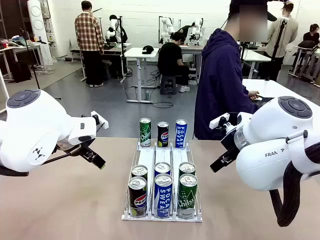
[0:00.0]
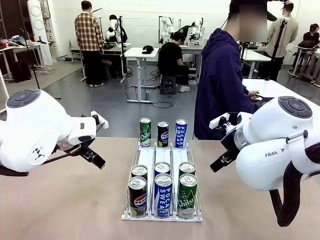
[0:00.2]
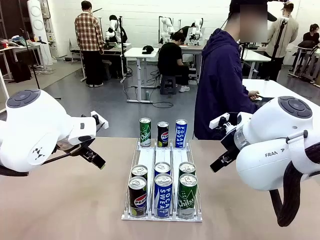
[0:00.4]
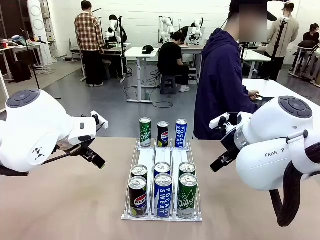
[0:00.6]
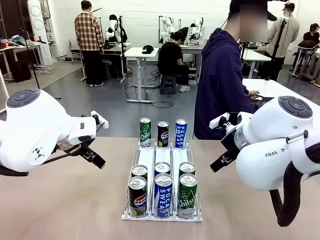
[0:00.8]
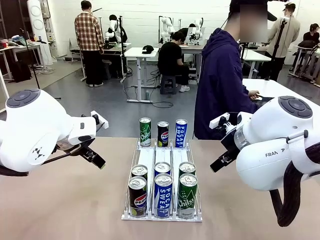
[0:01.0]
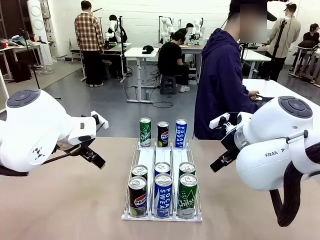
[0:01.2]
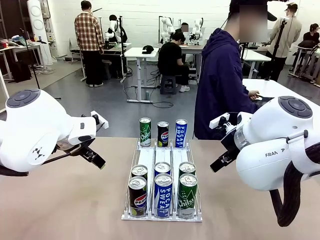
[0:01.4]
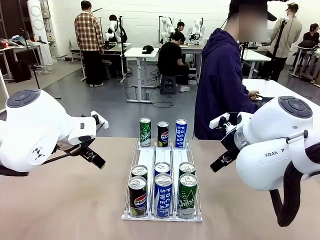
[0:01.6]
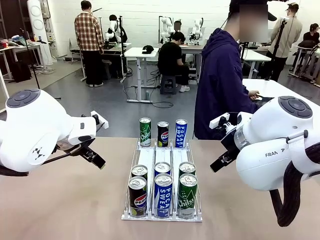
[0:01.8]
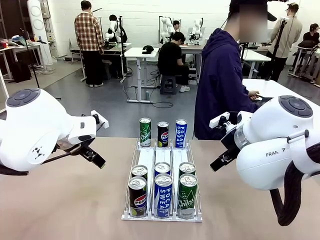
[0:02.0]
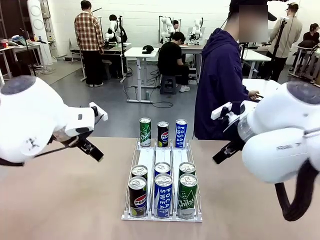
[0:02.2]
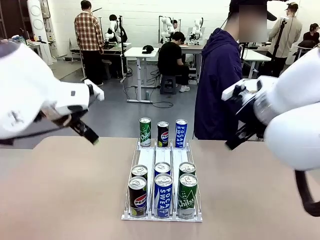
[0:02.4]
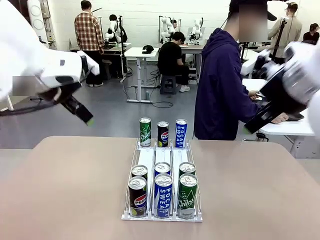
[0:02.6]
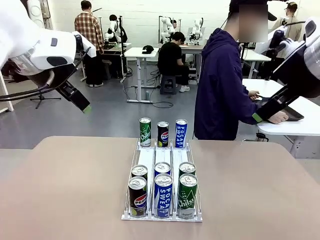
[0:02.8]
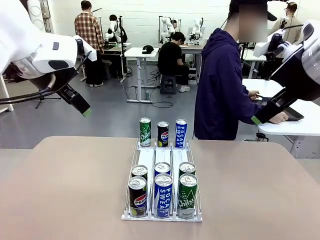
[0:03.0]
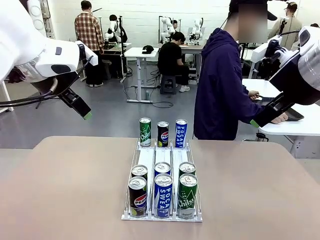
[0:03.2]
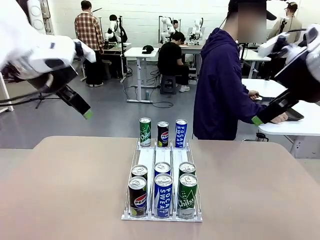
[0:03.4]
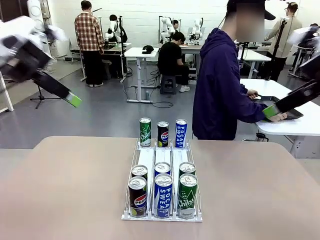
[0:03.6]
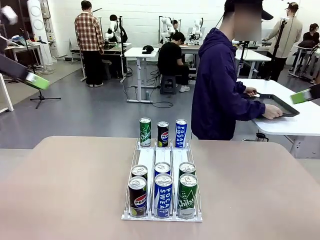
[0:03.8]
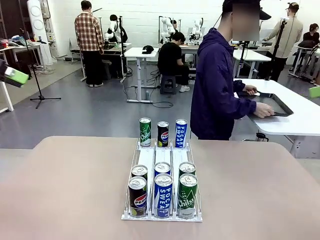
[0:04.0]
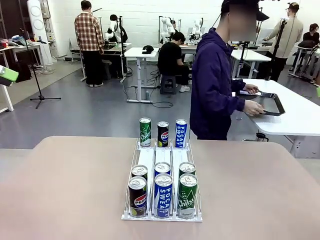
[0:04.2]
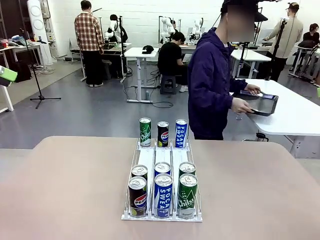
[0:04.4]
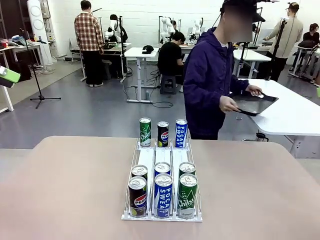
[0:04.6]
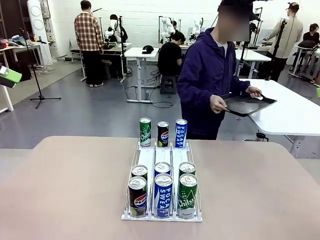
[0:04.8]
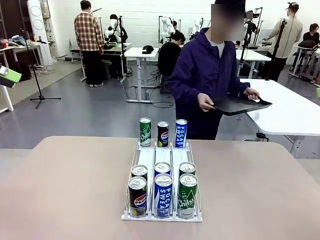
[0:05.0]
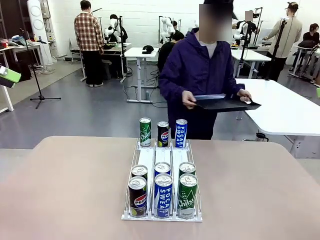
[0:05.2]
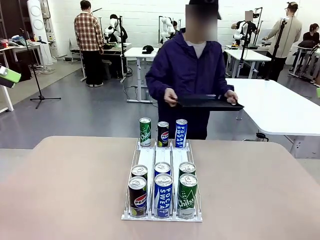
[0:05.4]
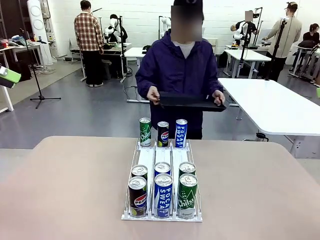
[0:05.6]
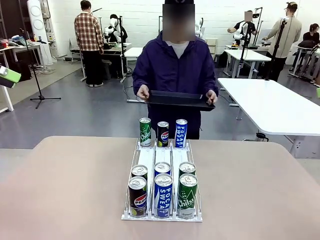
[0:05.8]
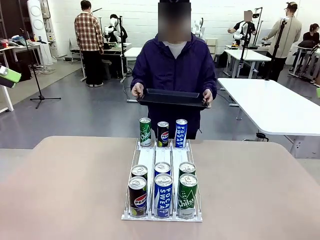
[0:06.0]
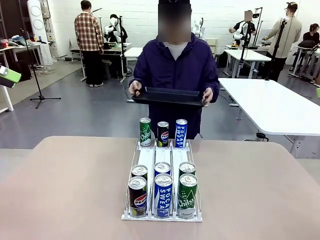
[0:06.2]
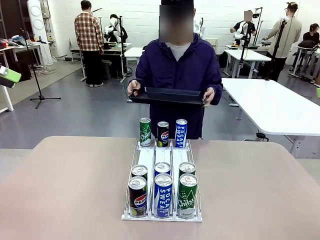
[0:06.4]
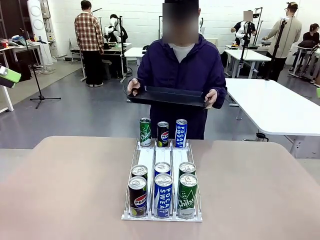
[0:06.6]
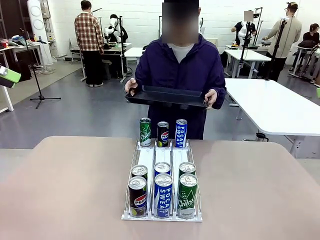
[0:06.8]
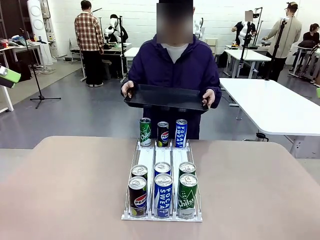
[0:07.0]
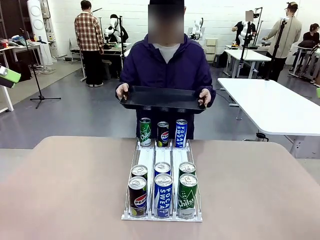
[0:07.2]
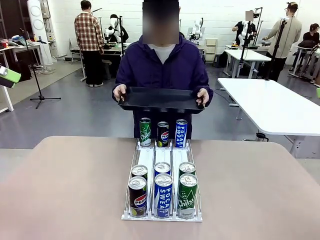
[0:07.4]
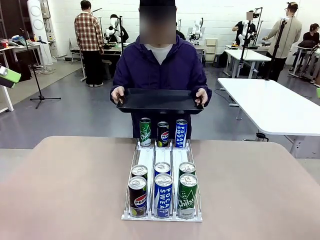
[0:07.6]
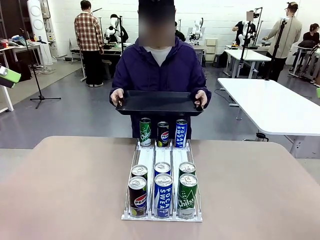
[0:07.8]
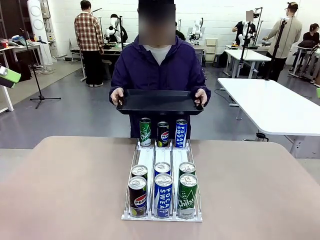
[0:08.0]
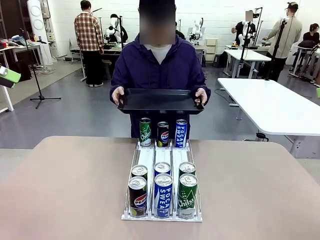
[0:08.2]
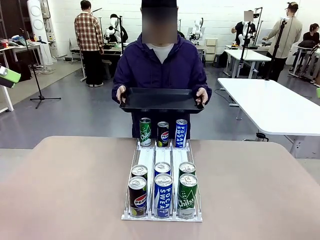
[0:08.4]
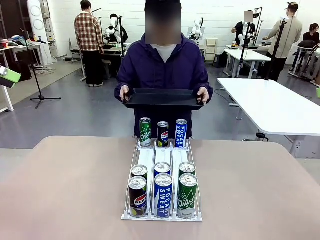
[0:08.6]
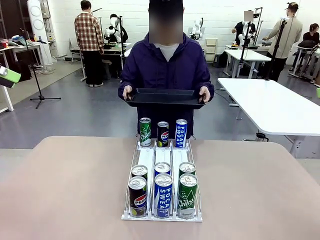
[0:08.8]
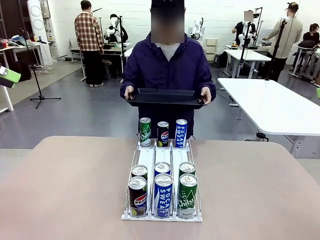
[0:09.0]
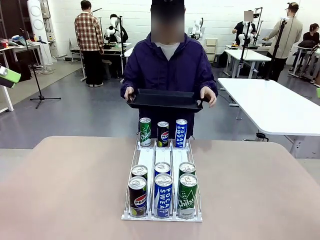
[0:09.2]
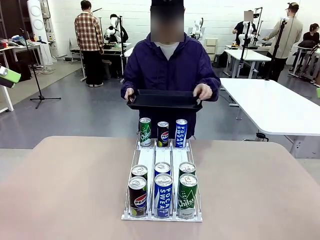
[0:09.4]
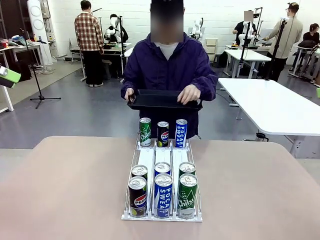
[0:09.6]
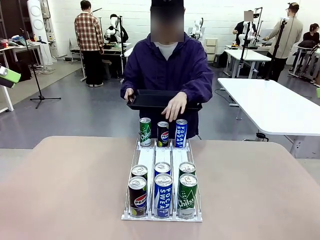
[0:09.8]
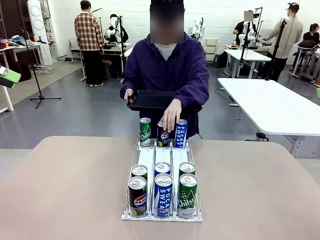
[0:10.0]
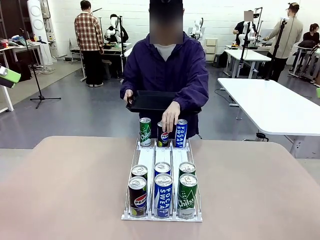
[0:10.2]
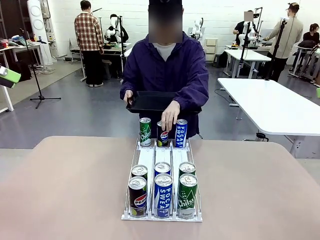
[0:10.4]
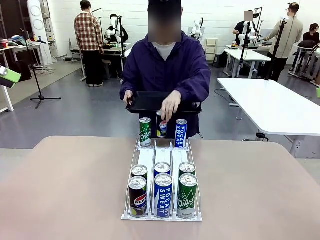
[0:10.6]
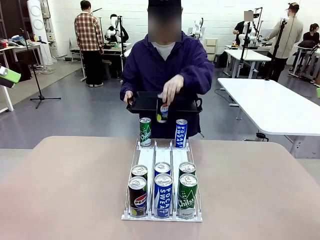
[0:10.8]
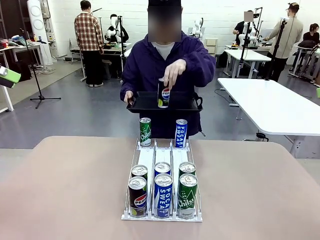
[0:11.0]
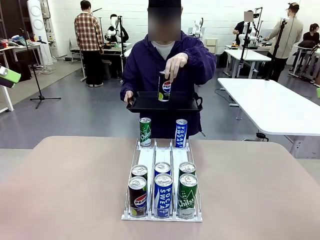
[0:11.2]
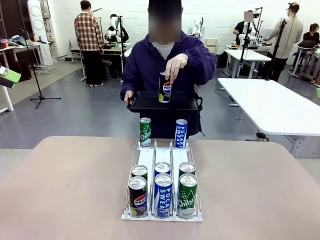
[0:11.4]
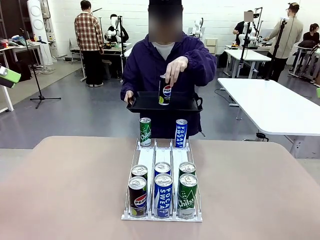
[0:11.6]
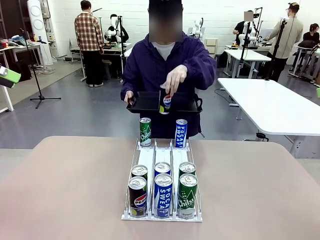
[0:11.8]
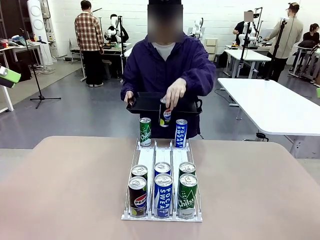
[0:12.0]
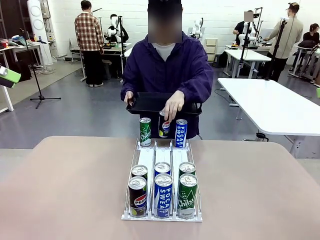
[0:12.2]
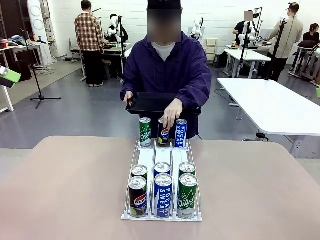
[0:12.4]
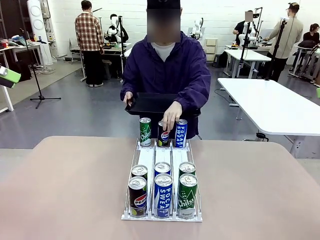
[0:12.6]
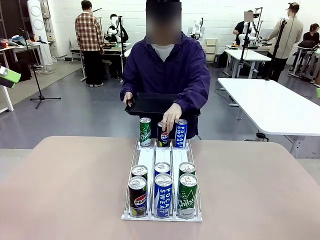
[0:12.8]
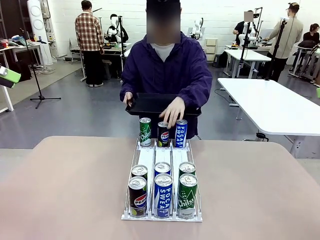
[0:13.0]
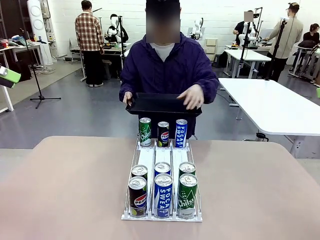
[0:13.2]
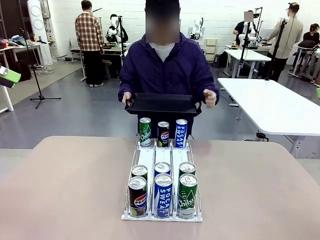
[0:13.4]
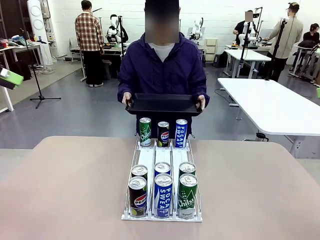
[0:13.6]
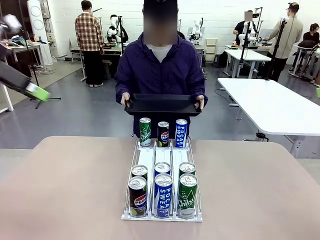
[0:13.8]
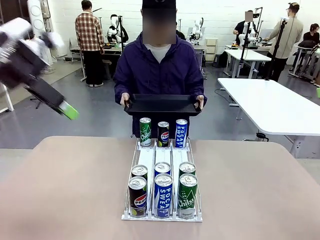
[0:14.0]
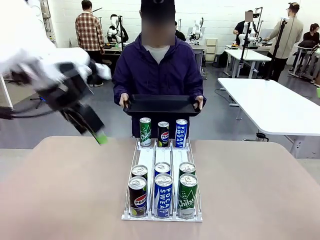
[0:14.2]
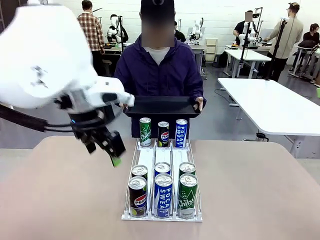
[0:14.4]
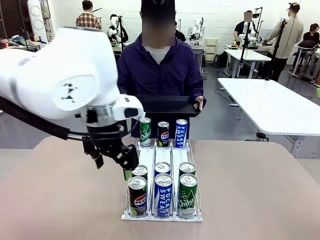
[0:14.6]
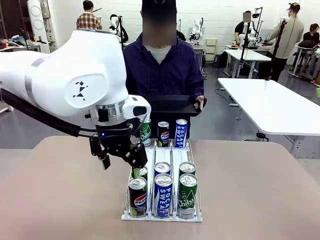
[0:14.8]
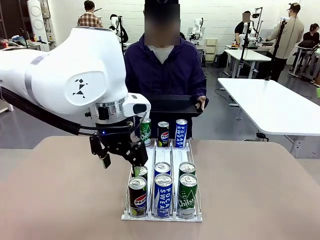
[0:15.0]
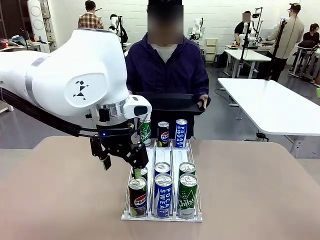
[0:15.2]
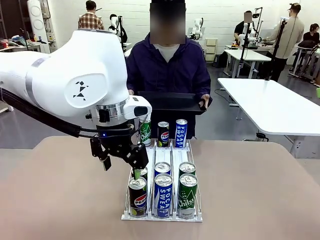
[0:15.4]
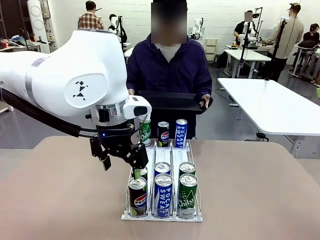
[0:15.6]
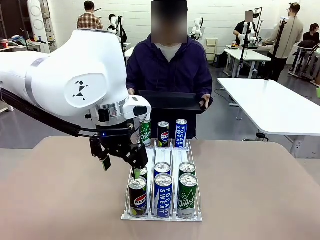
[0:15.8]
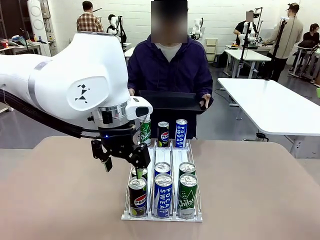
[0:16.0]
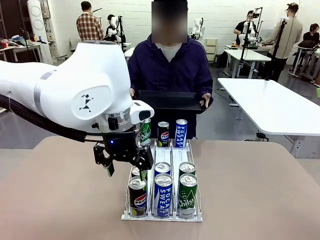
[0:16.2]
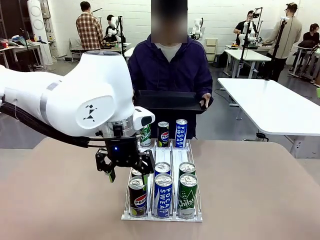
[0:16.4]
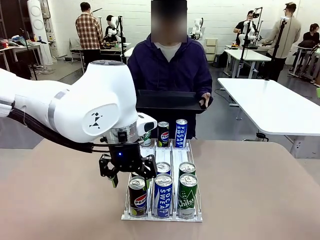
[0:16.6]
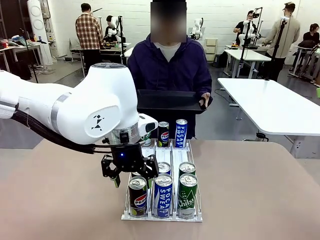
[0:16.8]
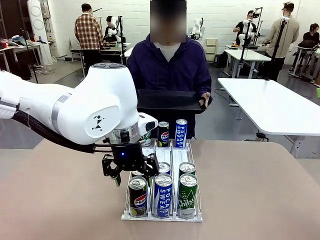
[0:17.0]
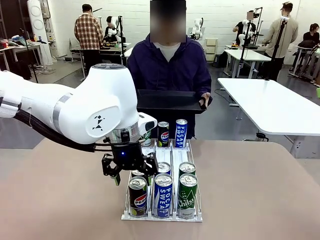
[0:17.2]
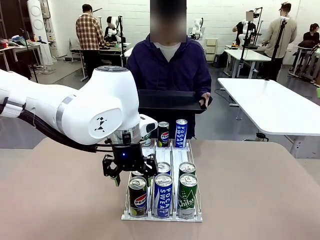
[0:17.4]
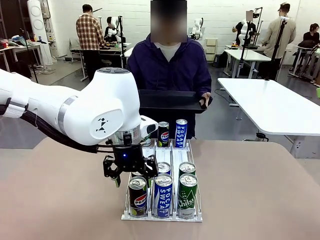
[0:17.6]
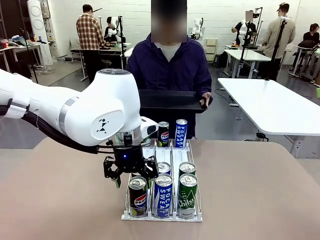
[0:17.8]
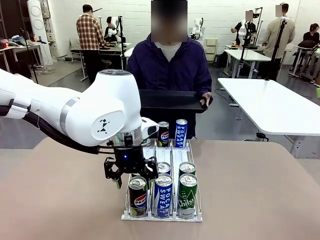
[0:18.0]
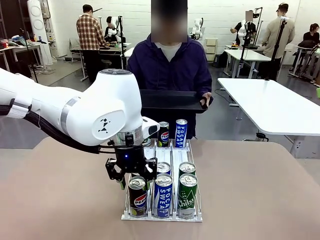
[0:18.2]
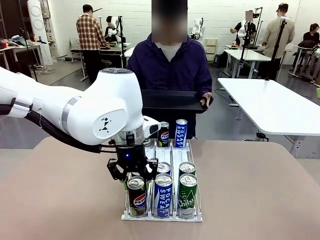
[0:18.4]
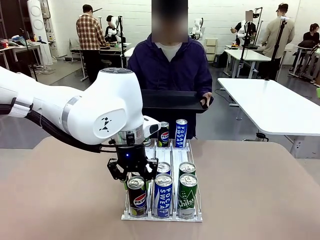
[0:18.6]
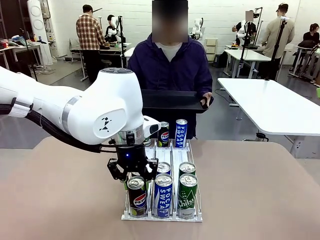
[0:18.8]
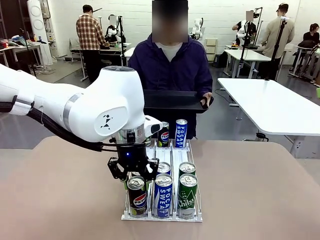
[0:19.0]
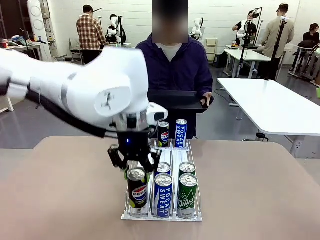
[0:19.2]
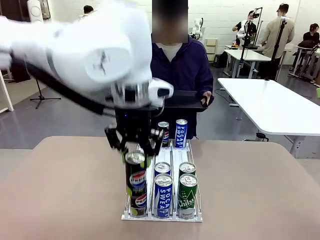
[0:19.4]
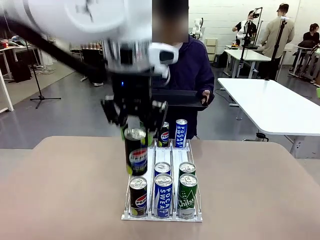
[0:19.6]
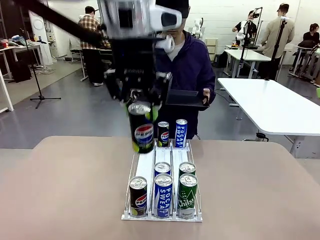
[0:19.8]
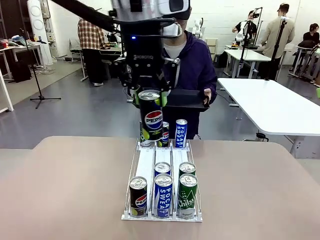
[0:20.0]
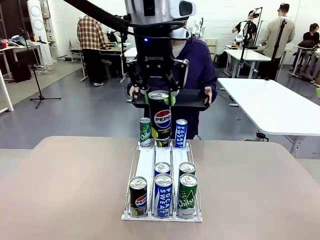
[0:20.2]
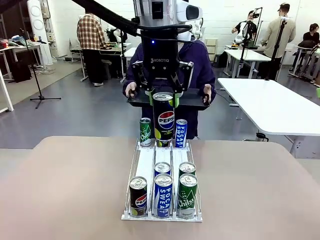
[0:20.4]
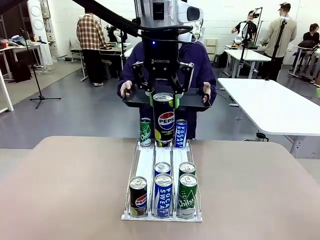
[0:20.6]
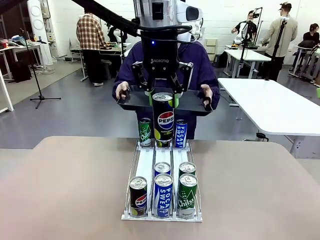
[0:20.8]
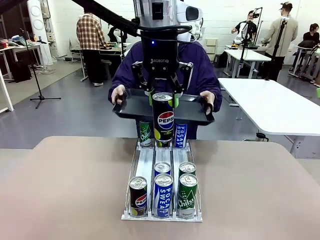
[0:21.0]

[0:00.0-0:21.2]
Task: Retrieve and hand over the desired beverage to the person.
Robot: Pick up a can of the same type that the person held from the Automatic Can Dispenser.
Person: Hold the tray and position yourself in front of the robot table. Pick up one can from the bottom area of the table and puts it back in its original place. Push the tray toward the robot.
